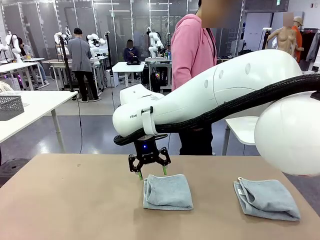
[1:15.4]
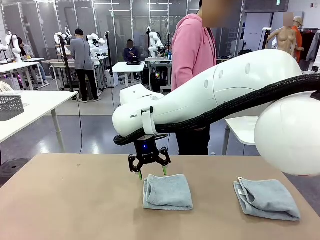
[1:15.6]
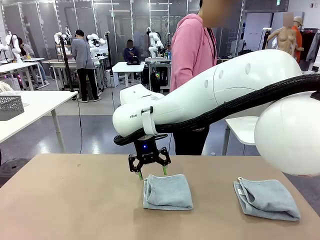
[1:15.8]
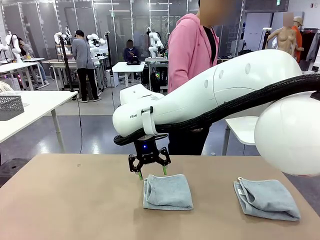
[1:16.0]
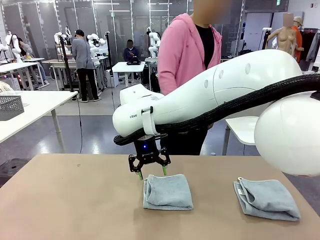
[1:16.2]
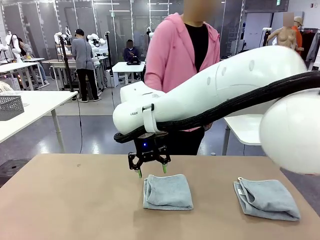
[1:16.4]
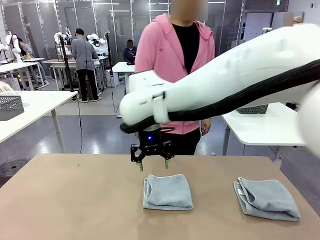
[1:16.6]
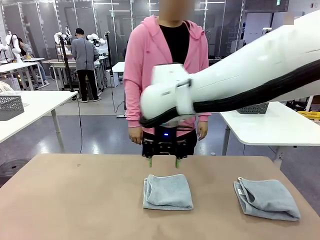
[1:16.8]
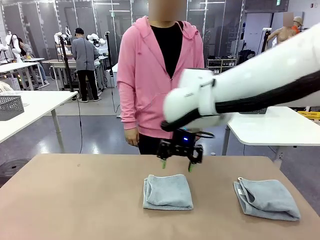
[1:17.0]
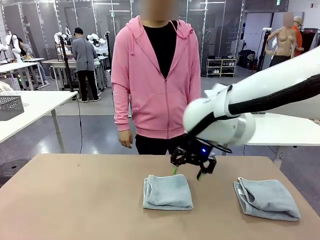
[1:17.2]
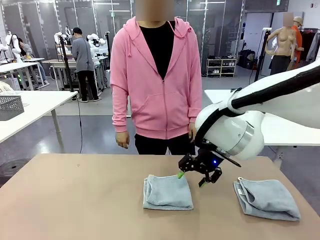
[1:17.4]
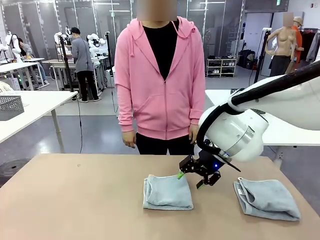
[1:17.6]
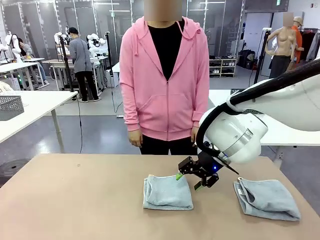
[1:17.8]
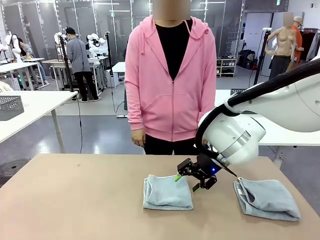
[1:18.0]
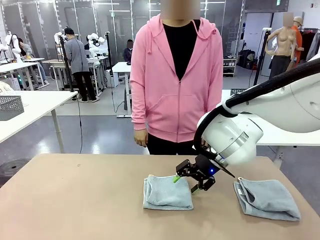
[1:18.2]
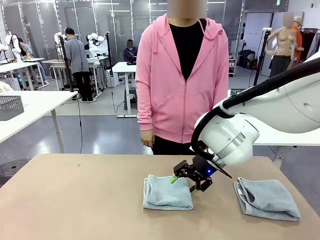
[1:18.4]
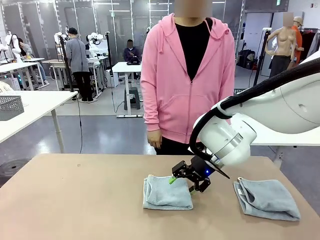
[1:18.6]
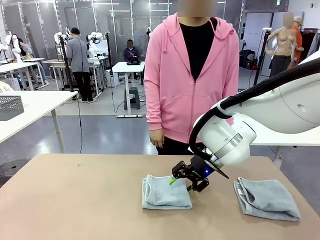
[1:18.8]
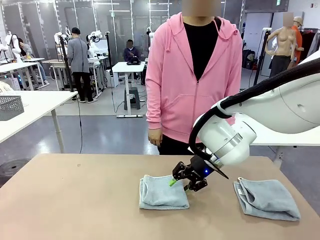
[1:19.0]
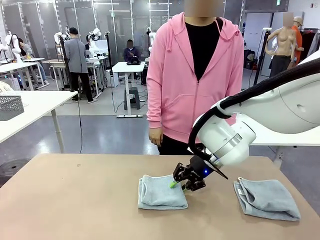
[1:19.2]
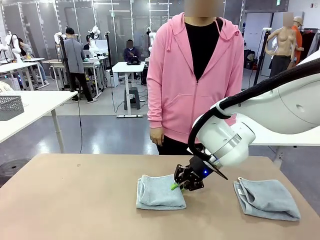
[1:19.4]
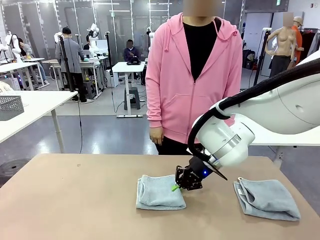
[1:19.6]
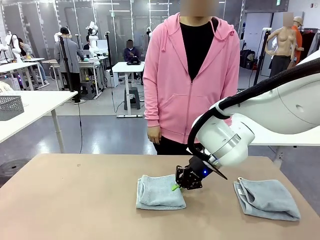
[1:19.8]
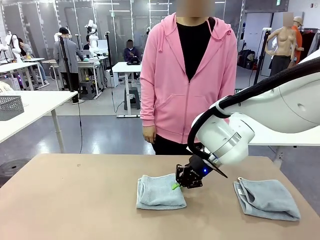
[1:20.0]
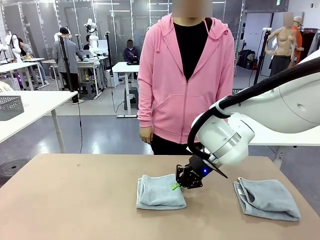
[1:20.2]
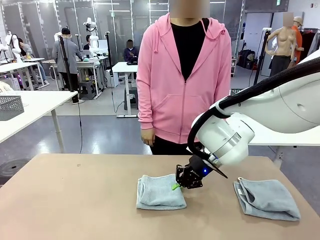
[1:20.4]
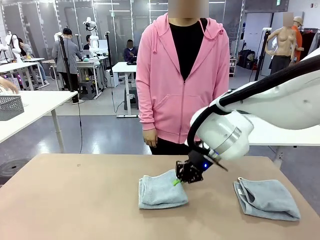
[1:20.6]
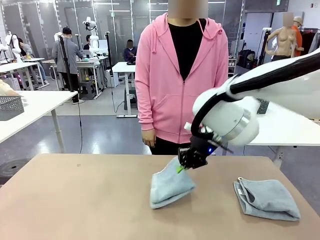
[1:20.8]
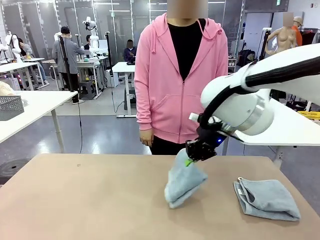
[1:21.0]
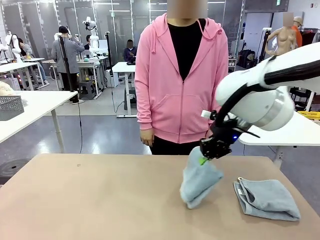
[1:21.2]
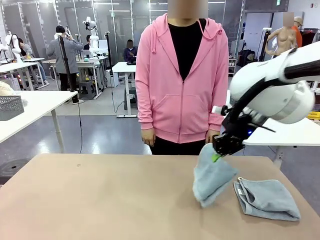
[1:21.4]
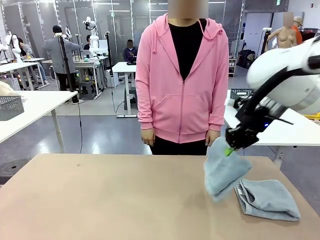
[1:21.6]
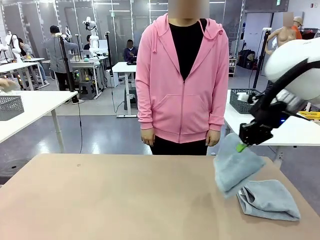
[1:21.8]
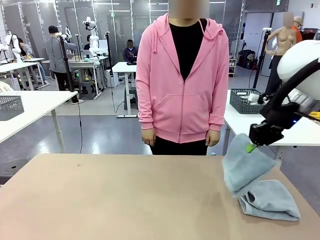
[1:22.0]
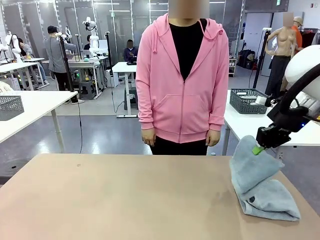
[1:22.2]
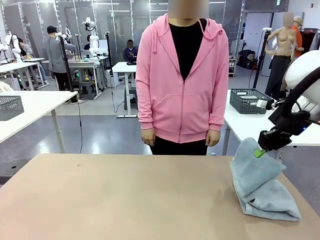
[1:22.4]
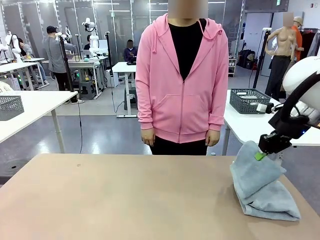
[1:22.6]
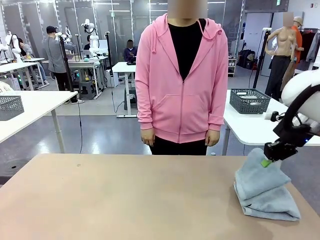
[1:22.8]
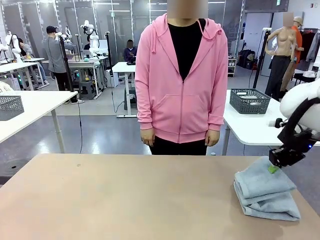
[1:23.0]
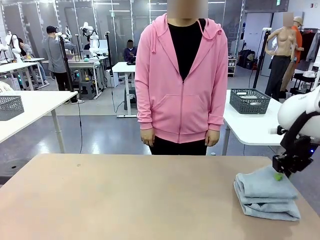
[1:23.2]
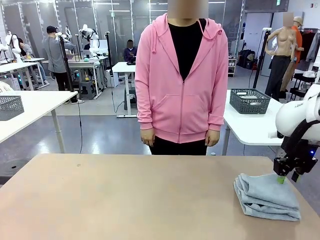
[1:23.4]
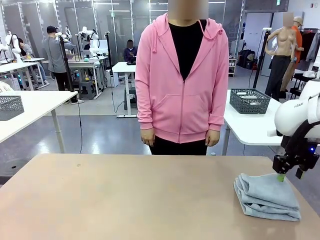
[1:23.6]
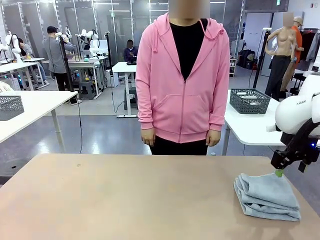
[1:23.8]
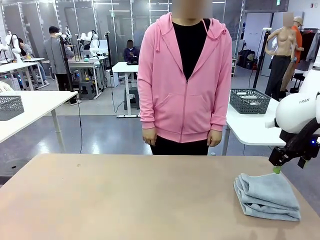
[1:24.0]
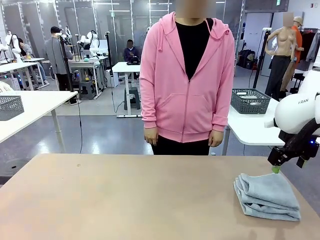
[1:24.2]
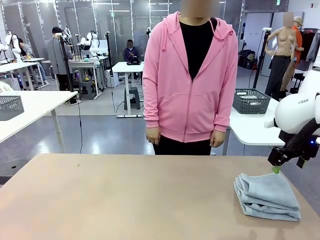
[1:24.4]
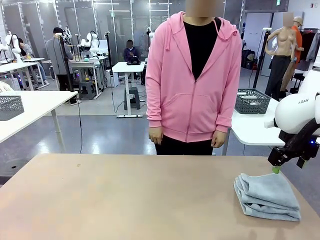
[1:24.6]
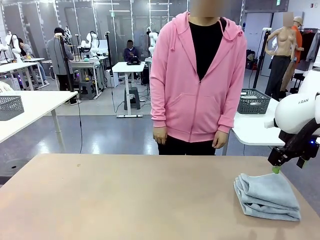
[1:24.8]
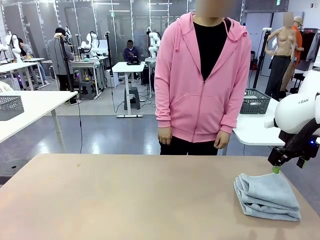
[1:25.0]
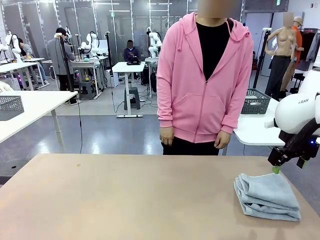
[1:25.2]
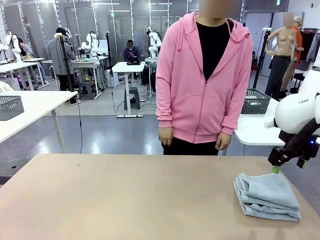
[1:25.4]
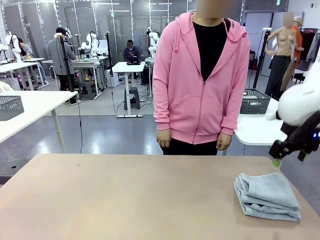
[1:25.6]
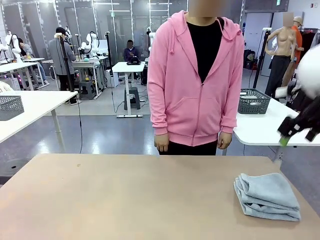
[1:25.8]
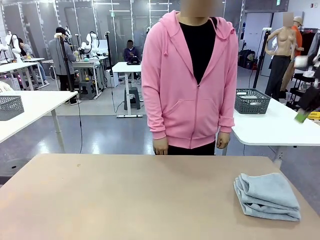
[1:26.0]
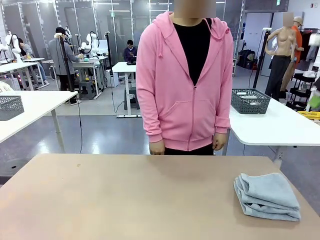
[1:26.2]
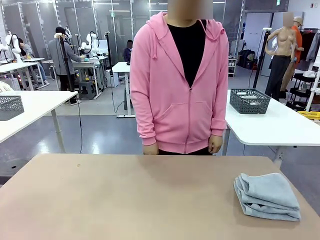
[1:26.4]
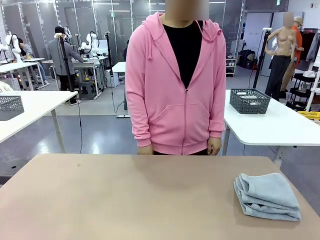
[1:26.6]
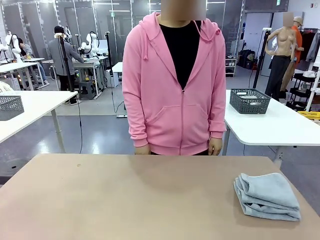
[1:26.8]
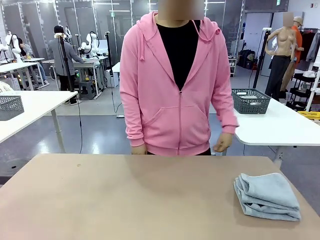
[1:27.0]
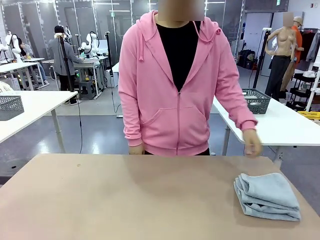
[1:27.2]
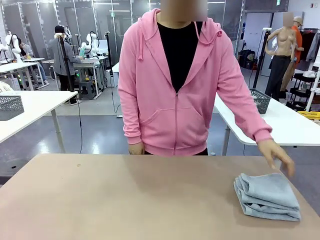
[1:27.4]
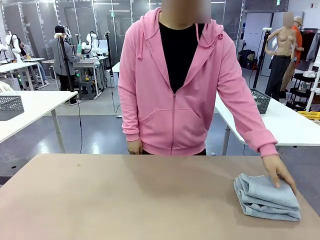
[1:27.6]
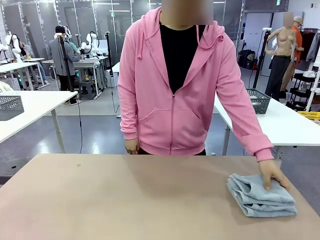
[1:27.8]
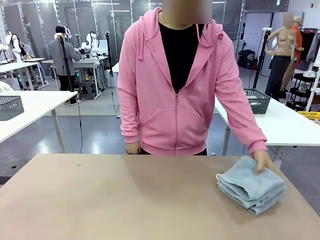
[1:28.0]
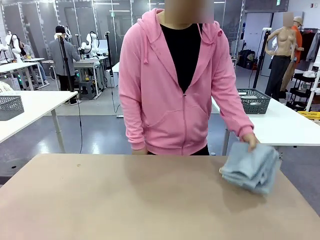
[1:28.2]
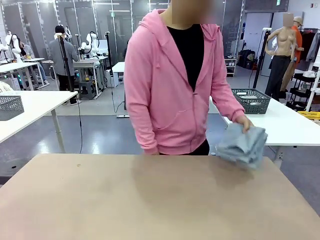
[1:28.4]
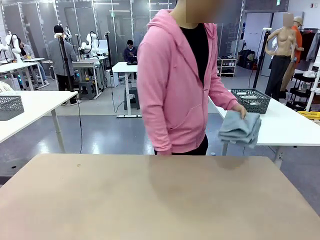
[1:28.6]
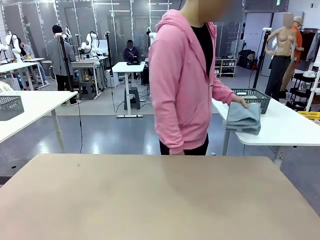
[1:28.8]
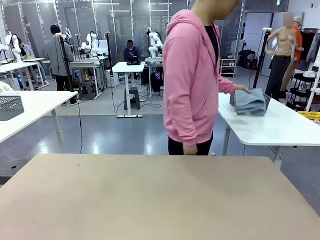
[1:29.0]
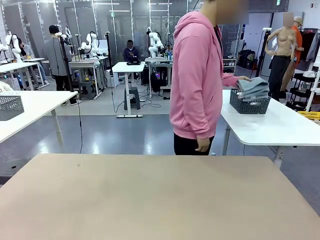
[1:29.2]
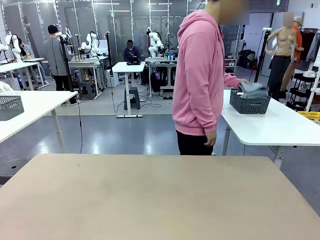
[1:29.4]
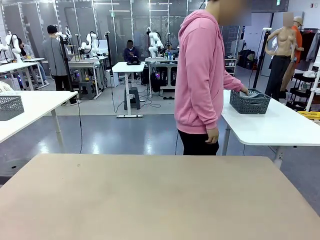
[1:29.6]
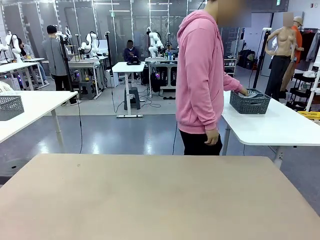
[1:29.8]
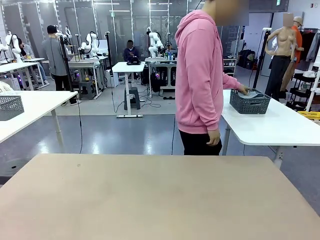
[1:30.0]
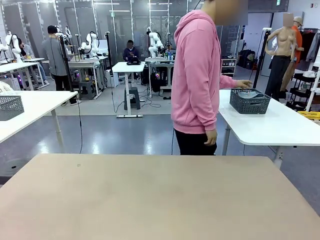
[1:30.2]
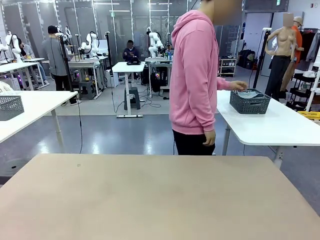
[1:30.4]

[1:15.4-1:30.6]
Task: Fold the towels and place them in the basket.
Robot: Stack the folded Towel with hook on the right side of the table.
Person: Pick up the stack of towels from the robot table and place it into the basket.
